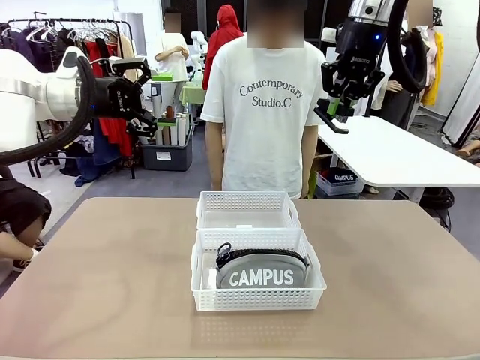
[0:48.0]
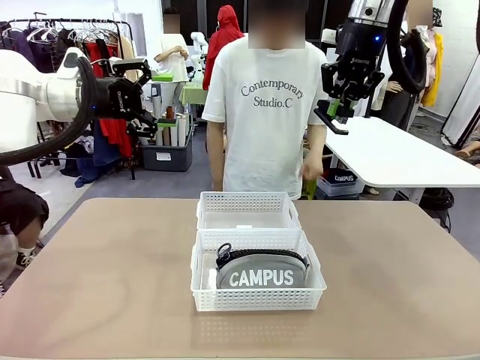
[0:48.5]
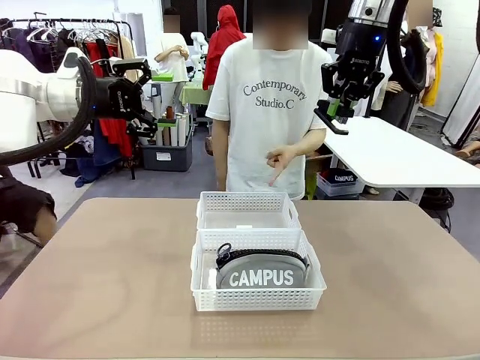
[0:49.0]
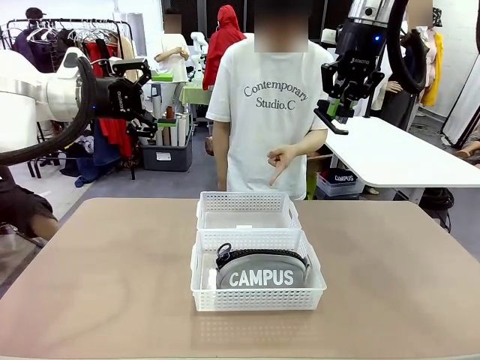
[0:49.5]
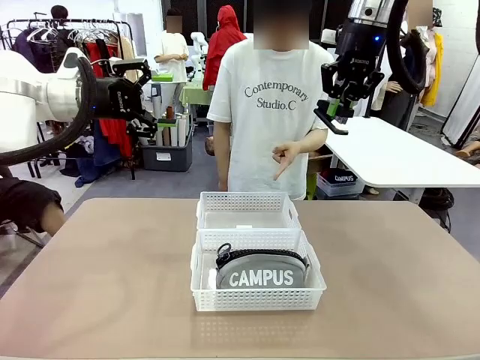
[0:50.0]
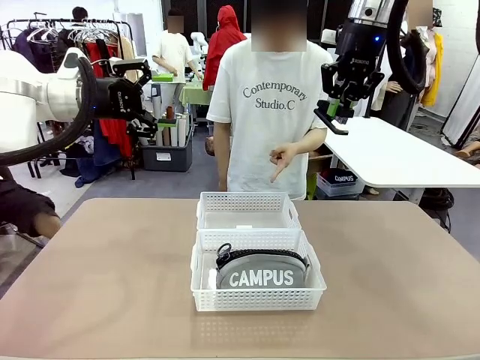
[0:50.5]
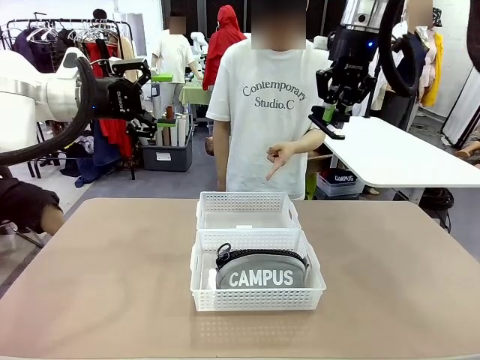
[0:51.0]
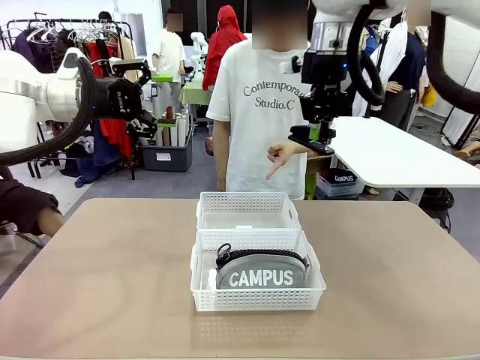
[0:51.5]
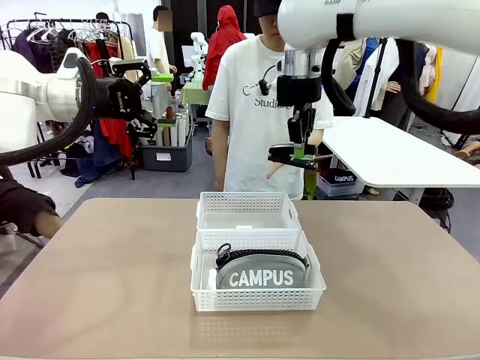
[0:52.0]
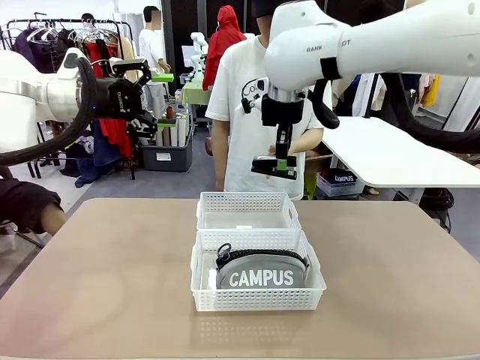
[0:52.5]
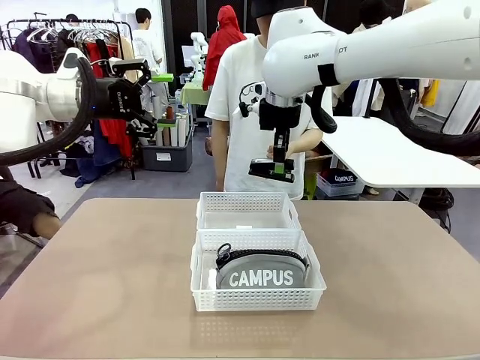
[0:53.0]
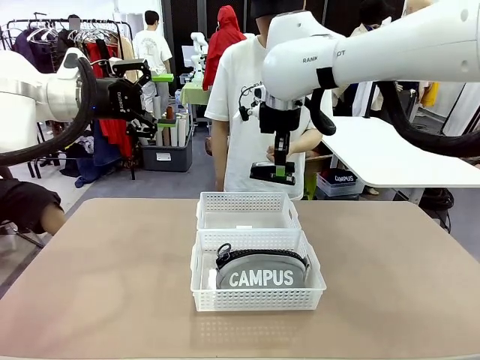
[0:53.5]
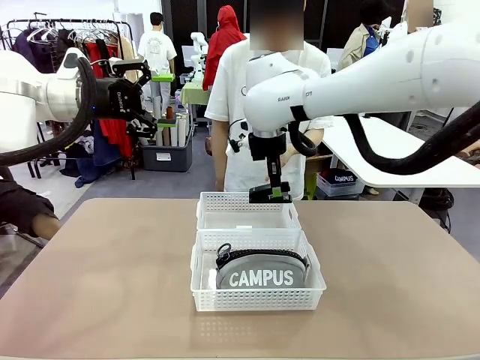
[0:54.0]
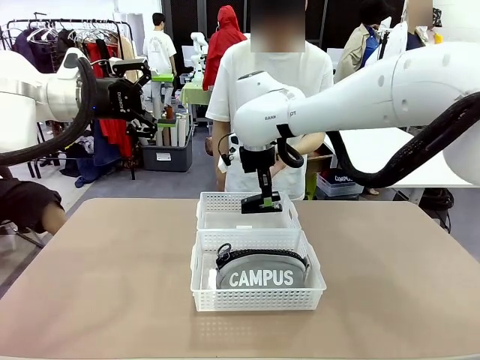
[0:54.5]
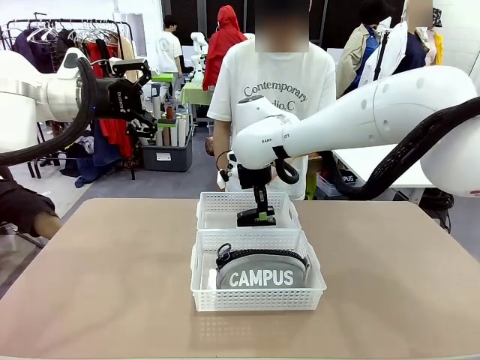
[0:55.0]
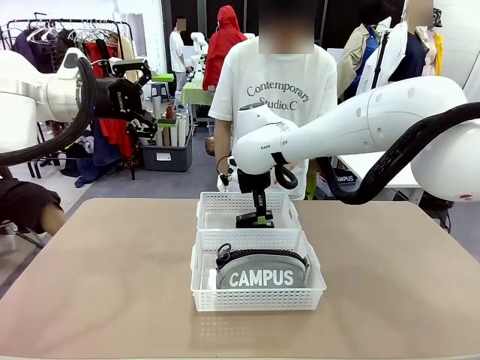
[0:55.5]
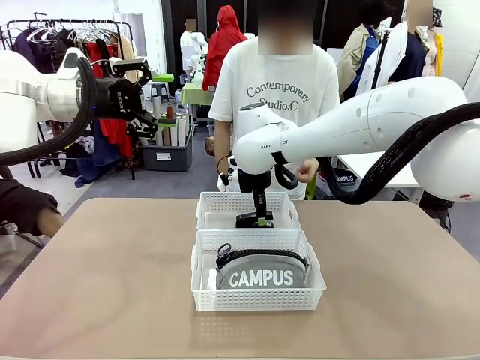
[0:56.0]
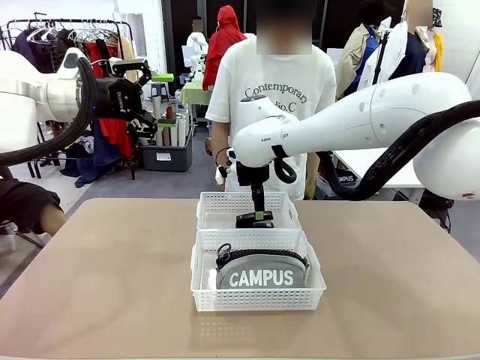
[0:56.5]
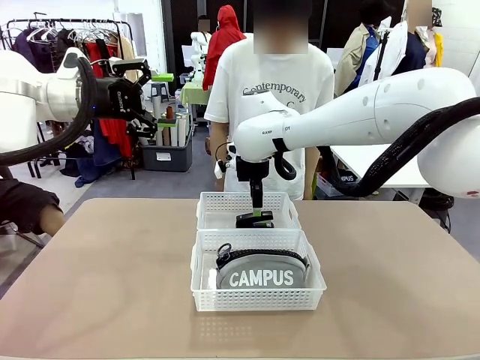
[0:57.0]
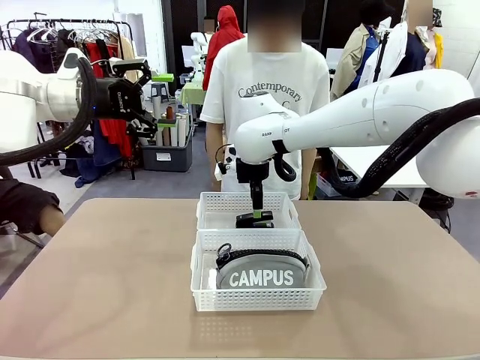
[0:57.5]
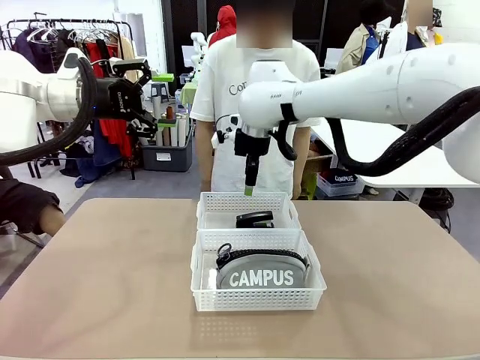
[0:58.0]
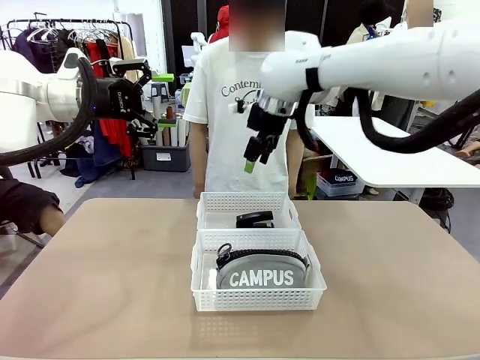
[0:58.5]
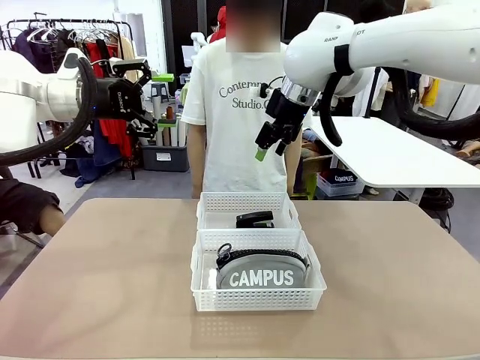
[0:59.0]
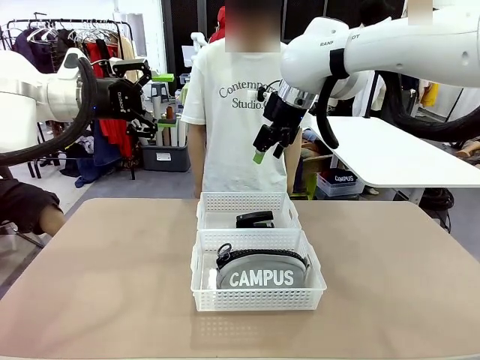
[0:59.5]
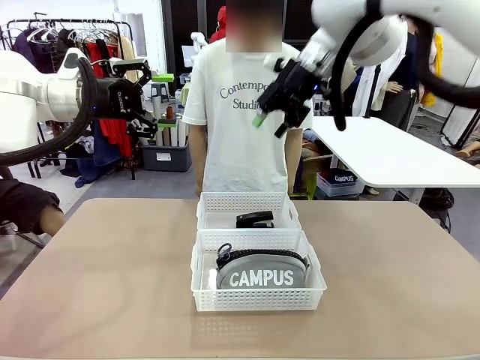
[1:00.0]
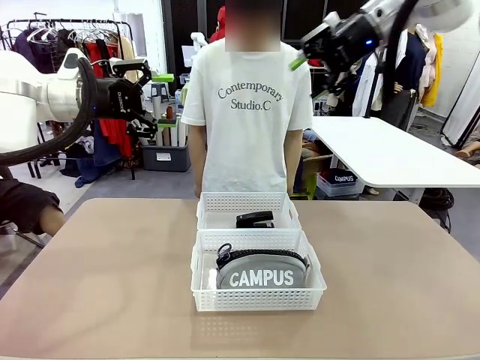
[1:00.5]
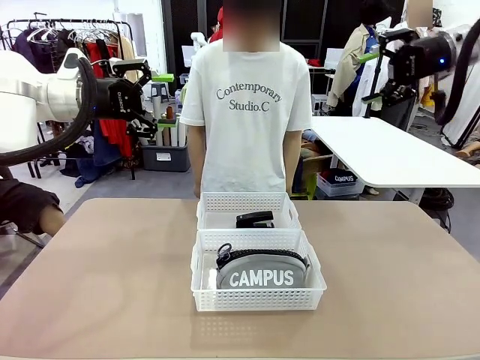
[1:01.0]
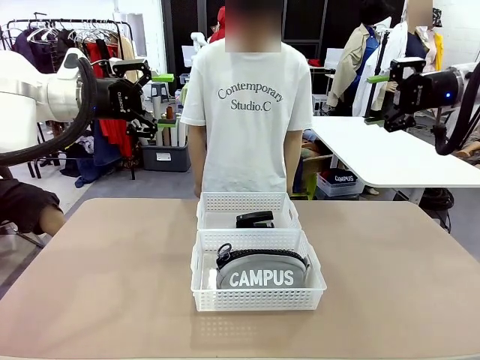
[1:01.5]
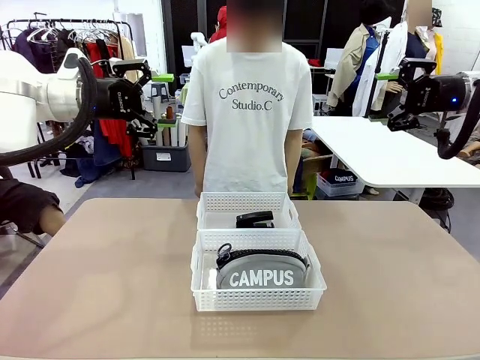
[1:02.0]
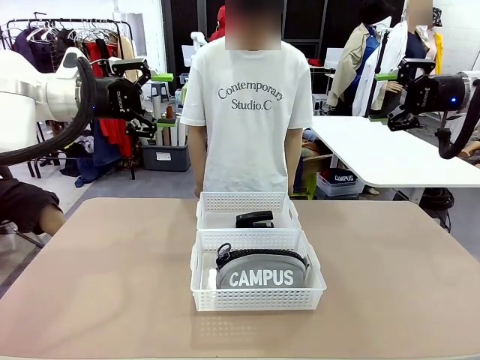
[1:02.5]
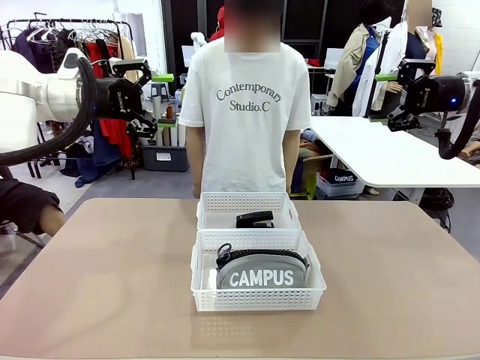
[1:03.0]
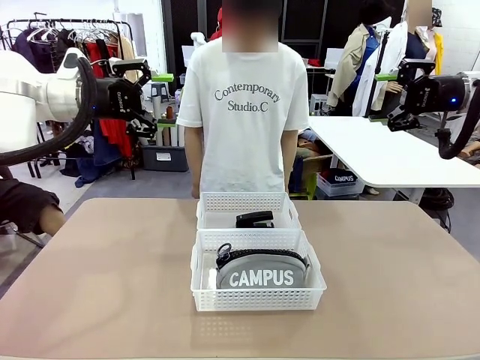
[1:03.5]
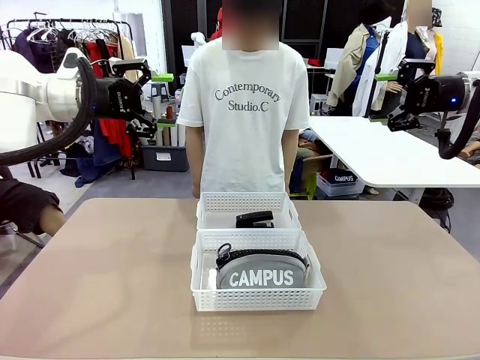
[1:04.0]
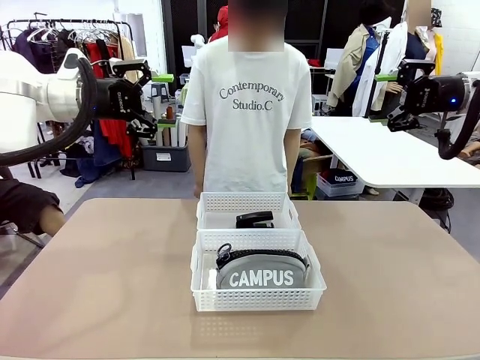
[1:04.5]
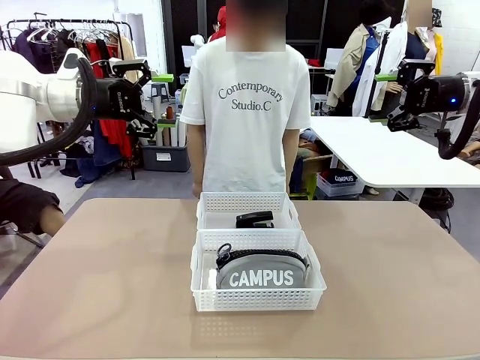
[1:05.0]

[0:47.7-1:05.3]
Task: Distribute items into two baskets.
Robot: Place the picked Stapler into the Organizing basket as instructed by the person.
Person: Points to the basket that does not contain the pencil case and instructs the robot to move the stapler there.
